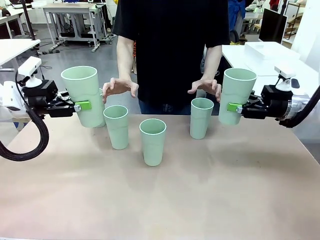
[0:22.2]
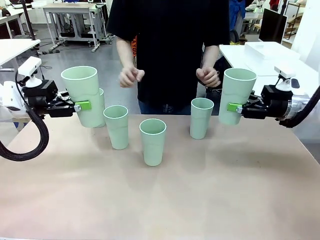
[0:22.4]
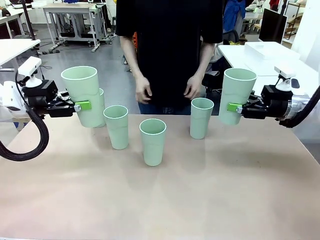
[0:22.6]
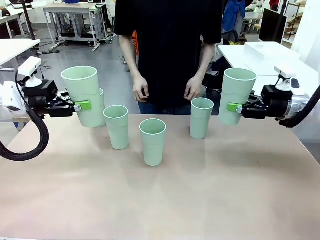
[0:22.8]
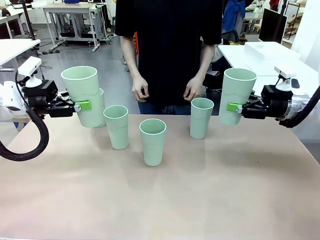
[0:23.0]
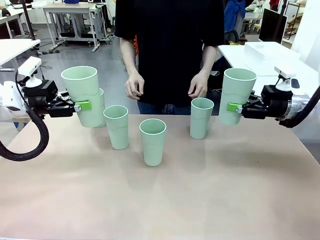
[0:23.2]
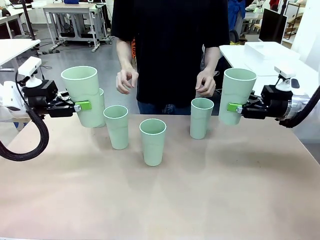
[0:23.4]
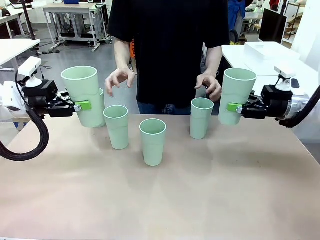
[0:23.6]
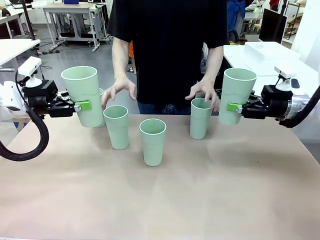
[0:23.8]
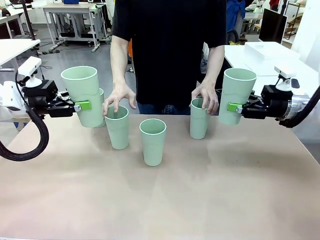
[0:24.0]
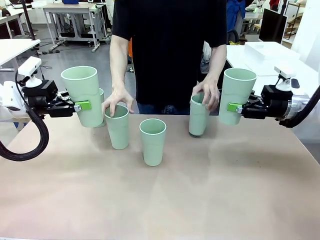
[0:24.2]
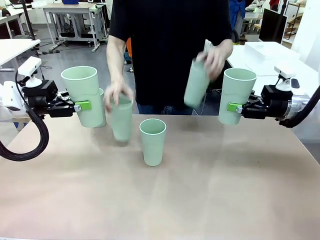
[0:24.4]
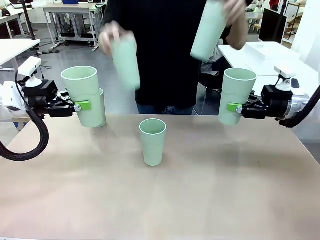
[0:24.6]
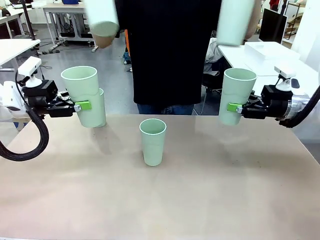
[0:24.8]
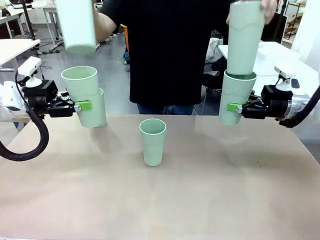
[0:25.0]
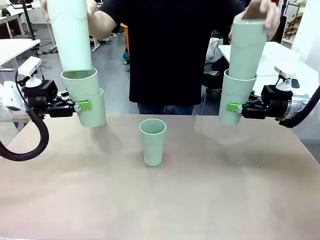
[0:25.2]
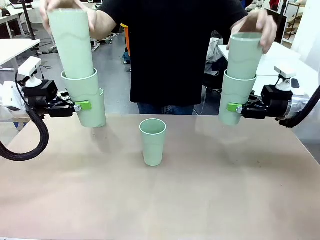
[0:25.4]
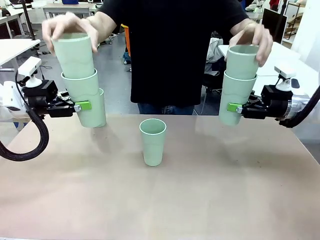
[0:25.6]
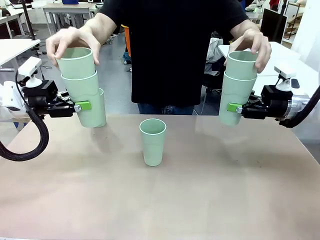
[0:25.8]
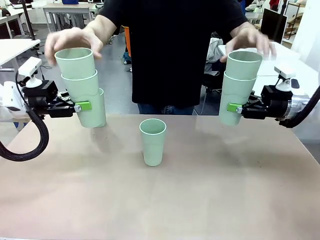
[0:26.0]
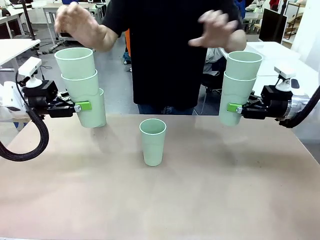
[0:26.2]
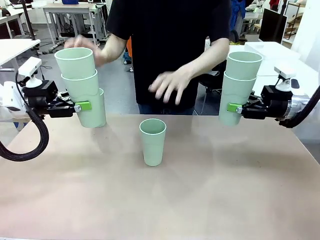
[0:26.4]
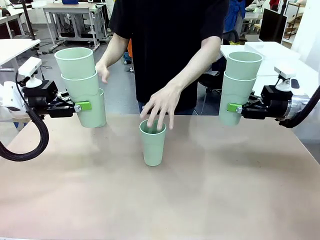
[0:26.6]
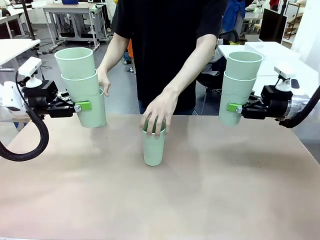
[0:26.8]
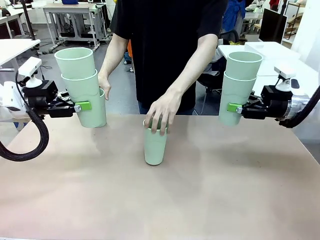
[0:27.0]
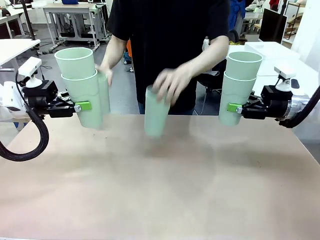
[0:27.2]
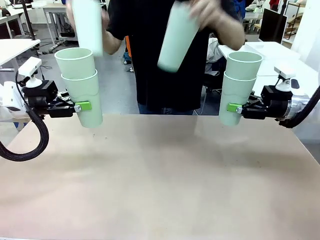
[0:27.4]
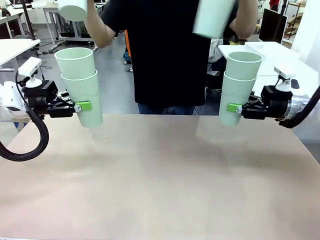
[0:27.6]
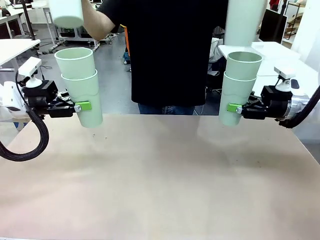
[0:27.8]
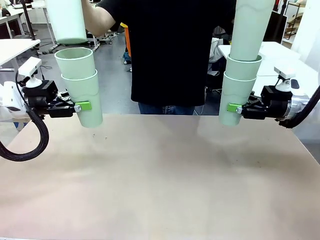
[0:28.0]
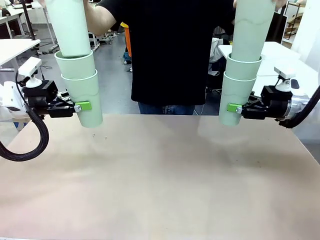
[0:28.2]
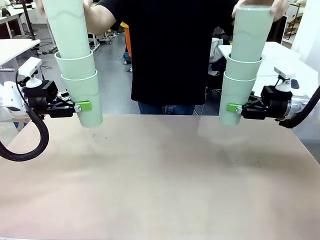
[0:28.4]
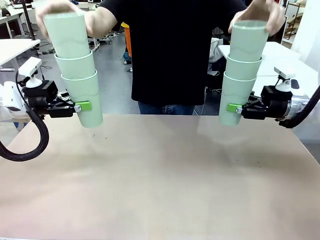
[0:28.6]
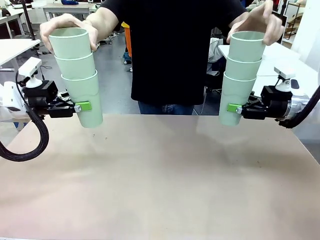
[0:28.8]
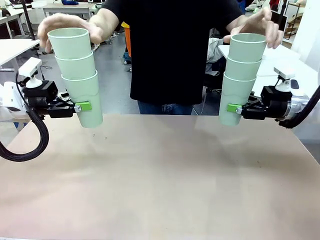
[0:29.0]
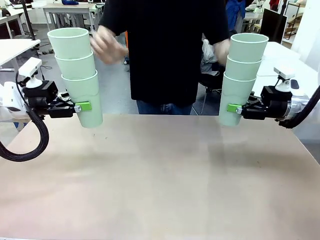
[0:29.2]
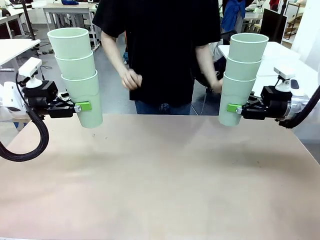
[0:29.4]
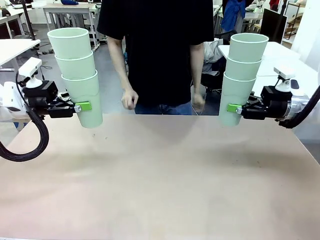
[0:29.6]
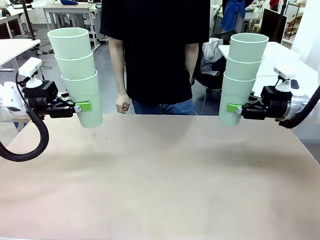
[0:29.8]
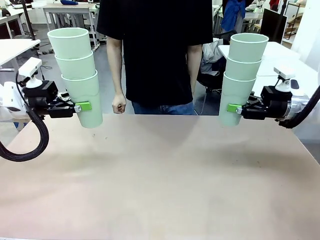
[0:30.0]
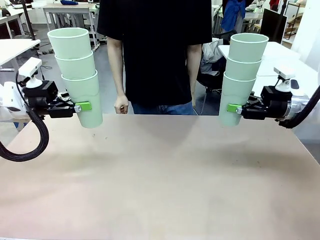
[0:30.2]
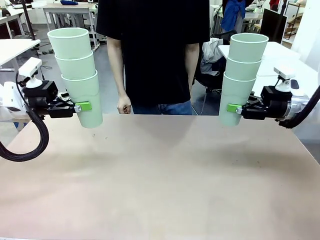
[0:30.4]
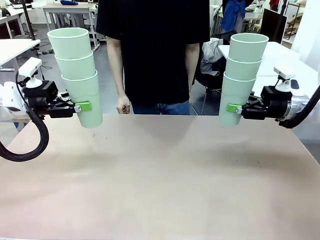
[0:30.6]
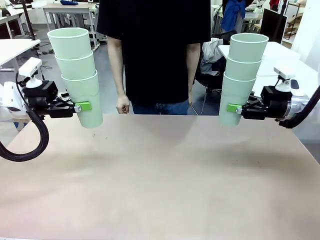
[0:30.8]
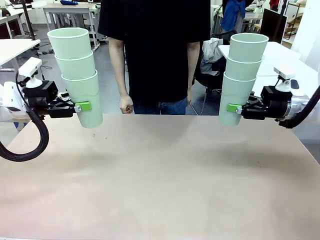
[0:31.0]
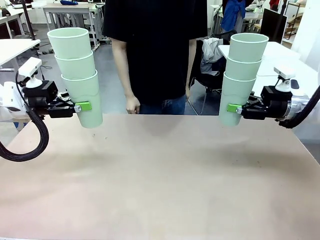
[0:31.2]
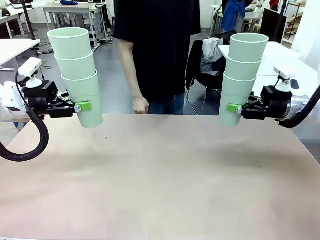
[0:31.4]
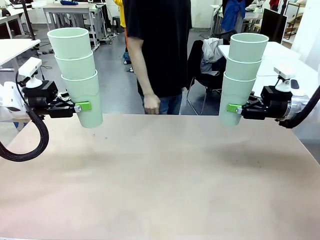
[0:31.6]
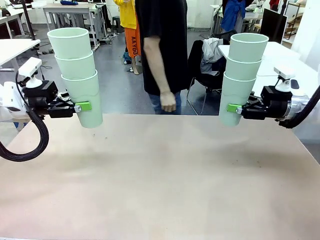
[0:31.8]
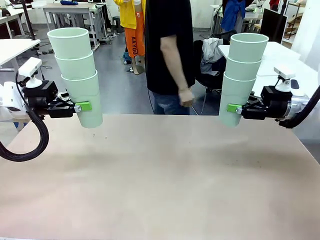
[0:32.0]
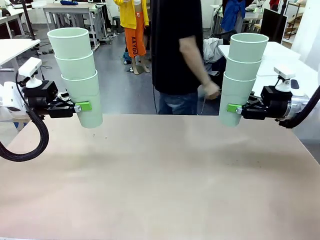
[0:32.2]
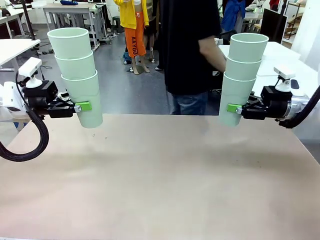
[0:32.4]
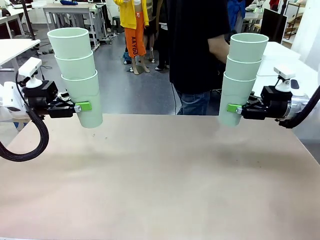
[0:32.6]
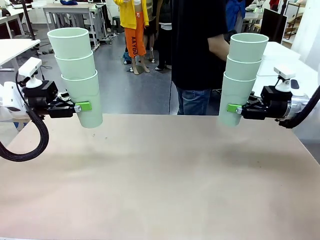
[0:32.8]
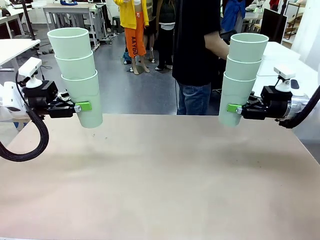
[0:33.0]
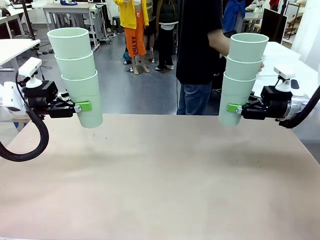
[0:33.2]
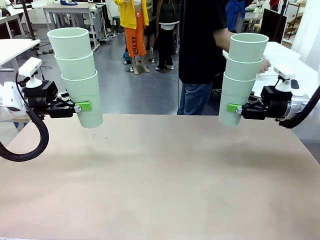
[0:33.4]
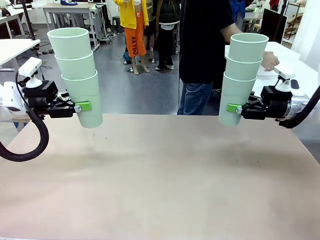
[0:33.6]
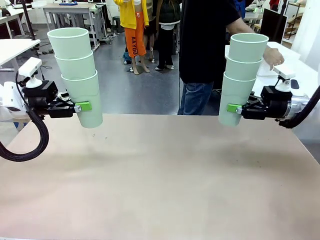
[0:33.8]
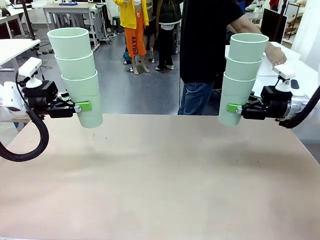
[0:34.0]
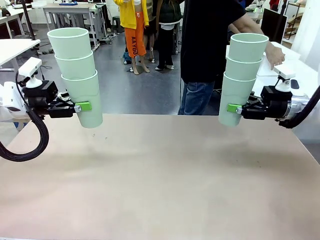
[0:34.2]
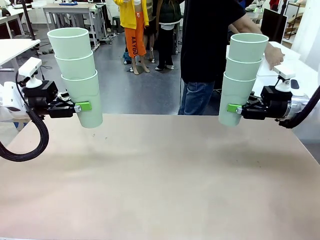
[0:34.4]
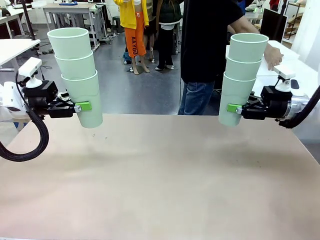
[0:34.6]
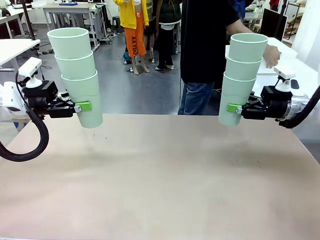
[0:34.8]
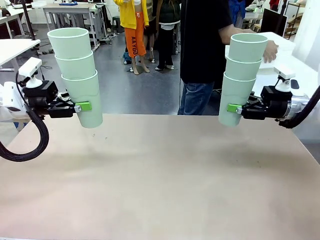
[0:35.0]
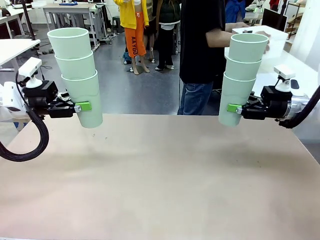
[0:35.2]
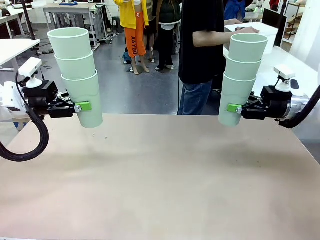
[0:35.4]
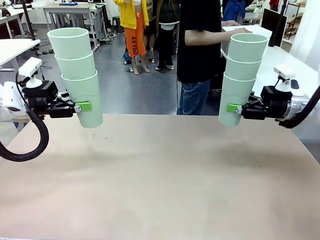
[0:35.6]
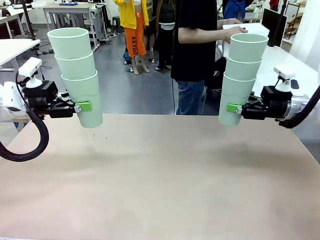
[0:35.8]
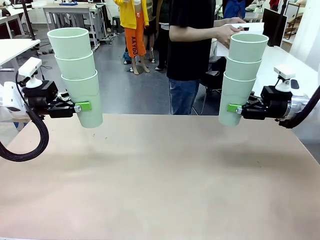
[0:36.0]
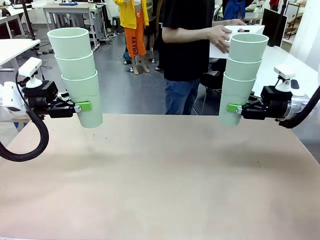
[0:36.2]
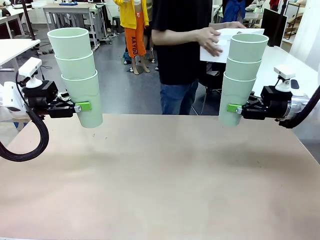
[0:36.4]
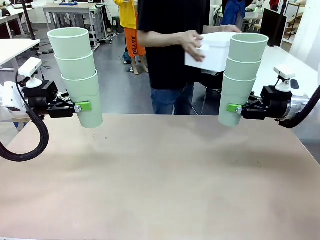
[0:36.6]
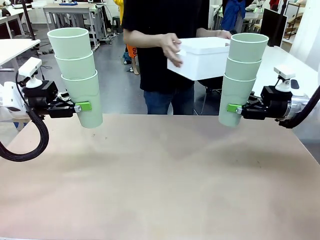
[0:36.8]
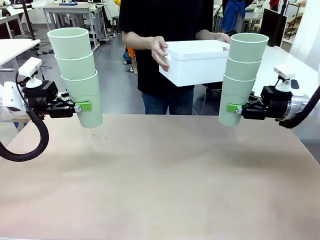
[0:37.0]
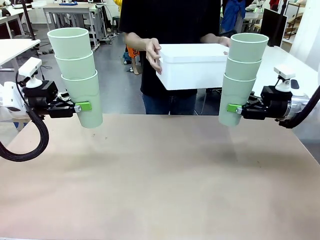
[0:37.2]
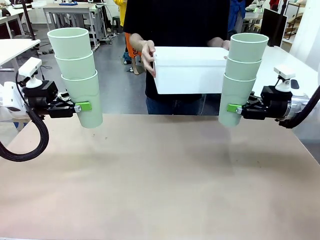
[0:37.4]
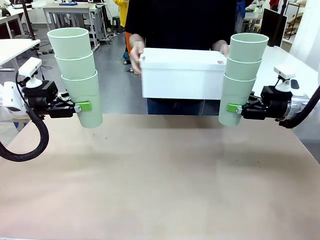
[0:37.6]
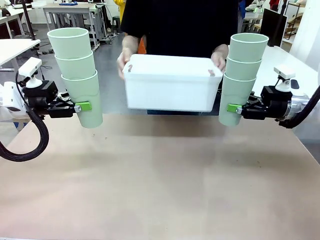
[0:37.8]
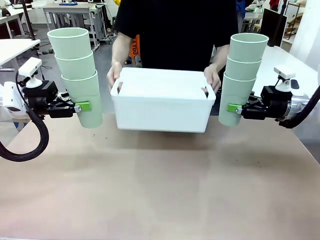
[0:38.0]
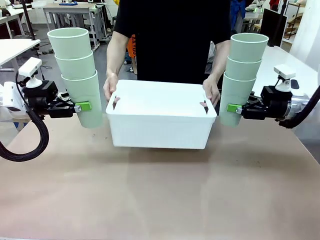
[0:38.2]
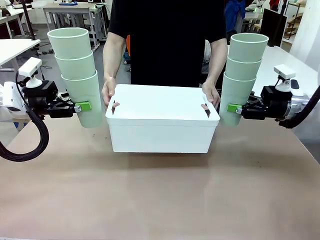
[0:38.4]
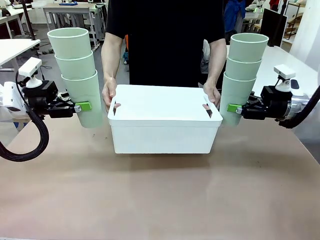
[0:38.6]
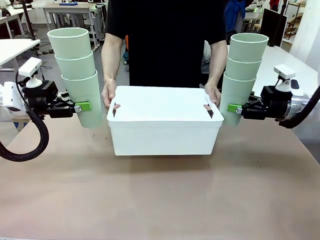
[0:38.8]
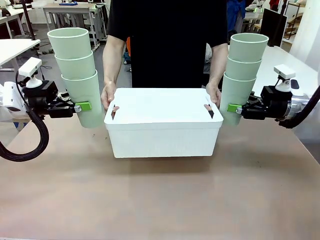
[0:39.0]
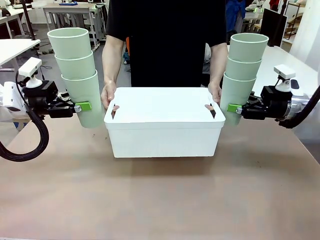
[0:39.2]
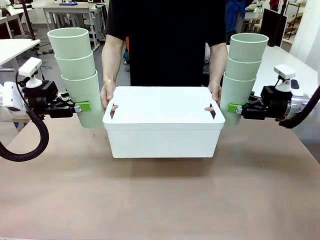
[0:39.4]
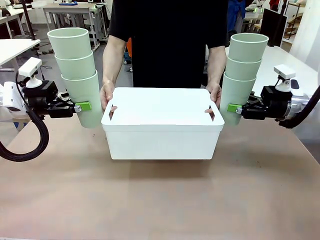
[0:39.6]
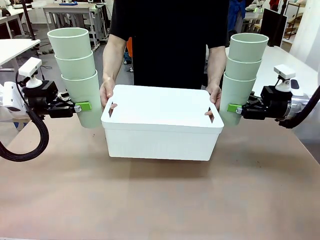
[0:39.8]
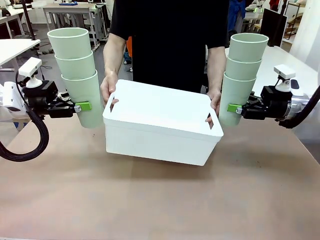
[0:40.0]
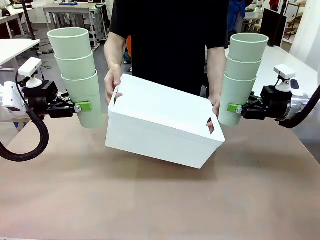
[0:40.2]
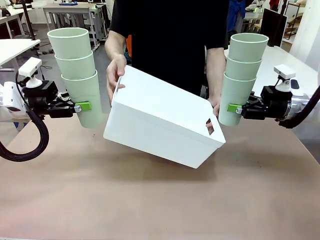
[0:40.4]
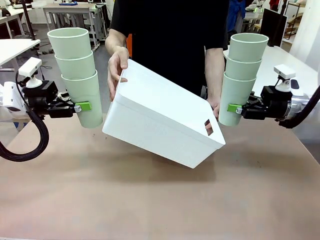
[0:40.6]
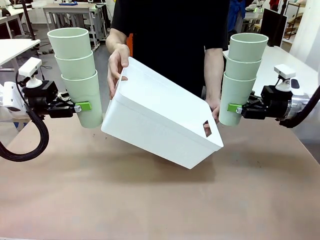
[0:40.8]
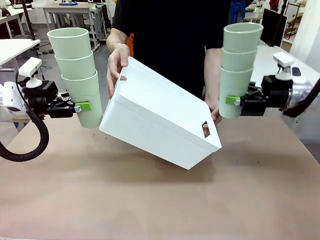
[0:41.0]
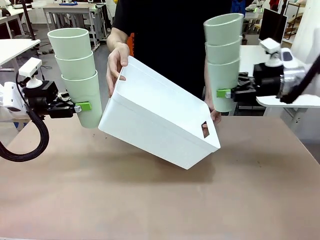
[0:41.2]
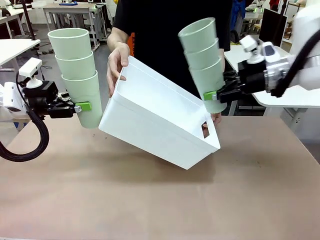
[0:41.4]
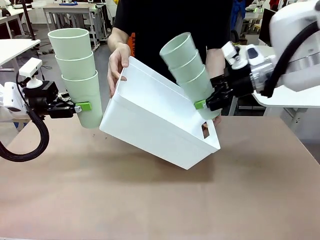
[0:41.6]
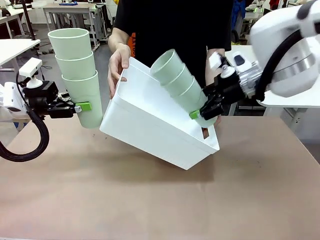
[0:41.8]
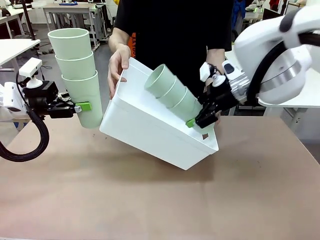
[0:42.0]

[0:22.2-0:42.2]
Task: Stack the cups and store them in the basket.
Robot: Place the stack of Reusable plastic cups into the Pantry Basket.
Person: Pick up the basket from the Human Table, bring it to the front of the robot, and present it.
